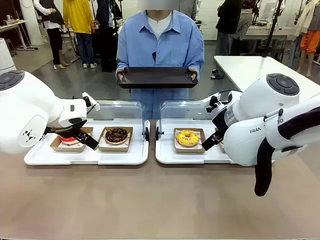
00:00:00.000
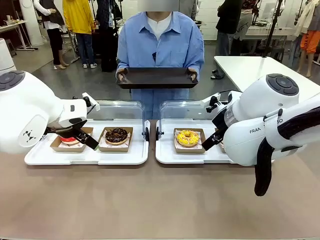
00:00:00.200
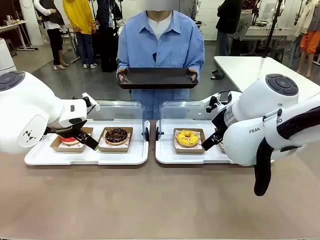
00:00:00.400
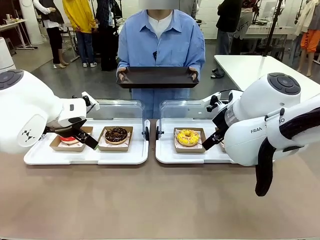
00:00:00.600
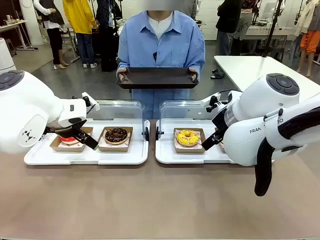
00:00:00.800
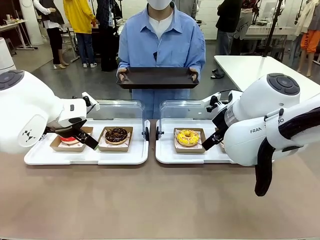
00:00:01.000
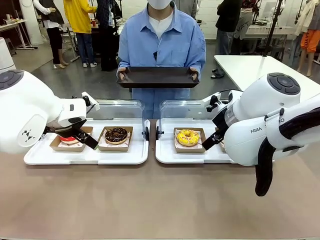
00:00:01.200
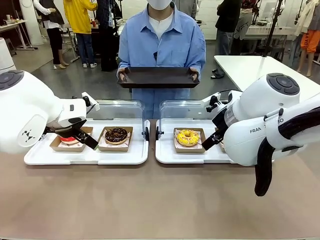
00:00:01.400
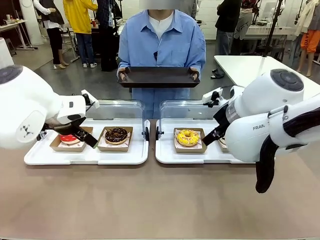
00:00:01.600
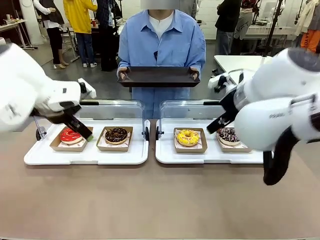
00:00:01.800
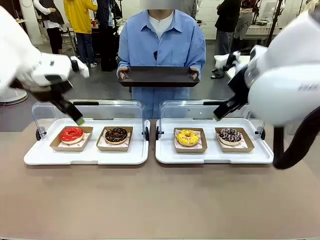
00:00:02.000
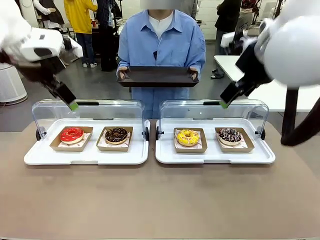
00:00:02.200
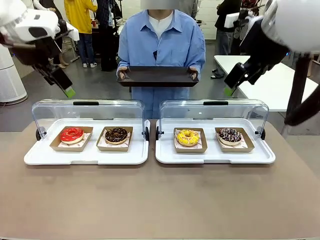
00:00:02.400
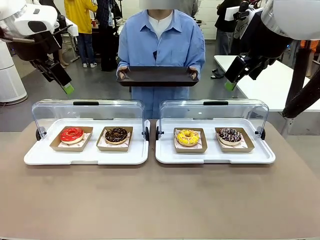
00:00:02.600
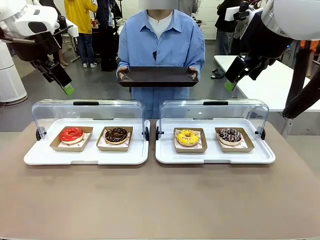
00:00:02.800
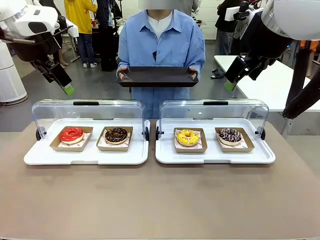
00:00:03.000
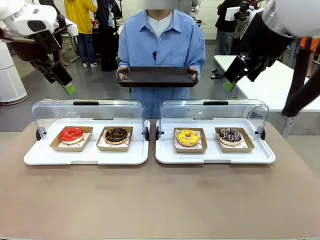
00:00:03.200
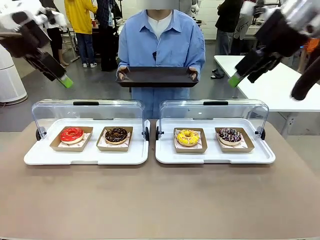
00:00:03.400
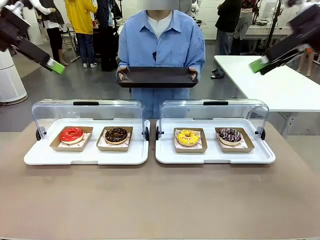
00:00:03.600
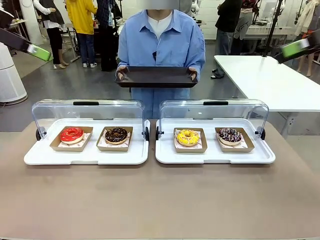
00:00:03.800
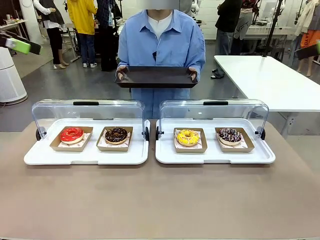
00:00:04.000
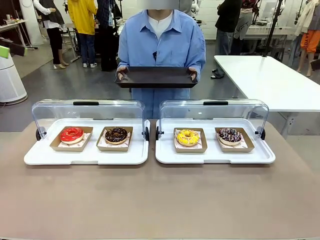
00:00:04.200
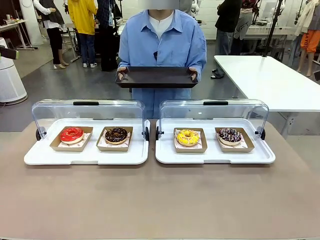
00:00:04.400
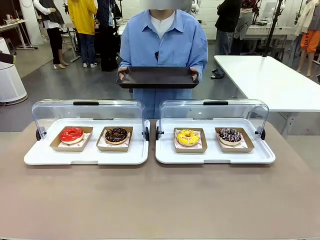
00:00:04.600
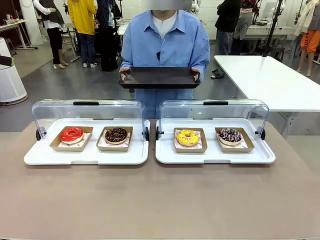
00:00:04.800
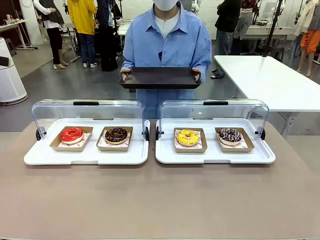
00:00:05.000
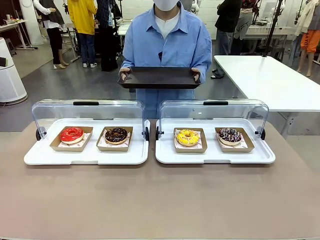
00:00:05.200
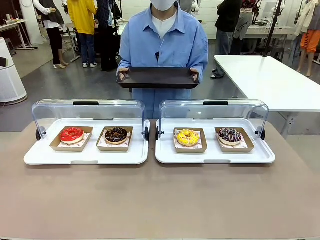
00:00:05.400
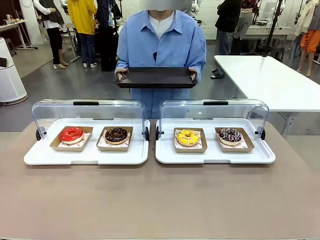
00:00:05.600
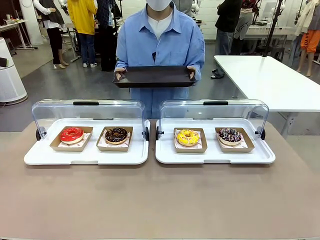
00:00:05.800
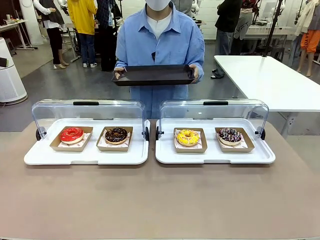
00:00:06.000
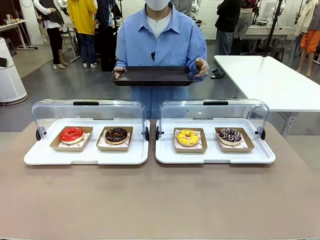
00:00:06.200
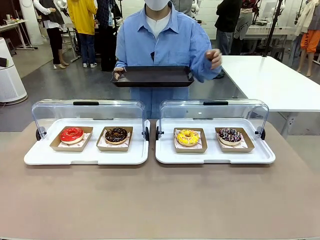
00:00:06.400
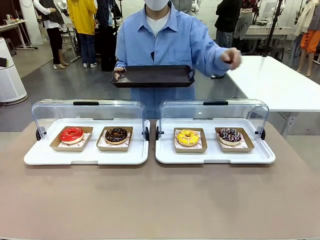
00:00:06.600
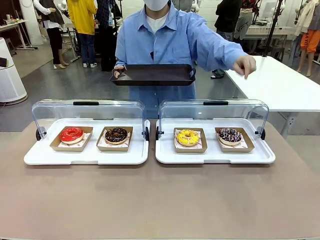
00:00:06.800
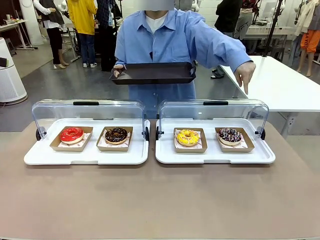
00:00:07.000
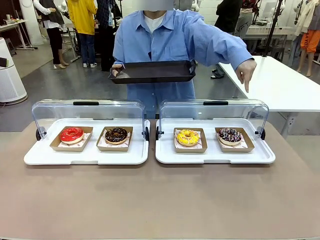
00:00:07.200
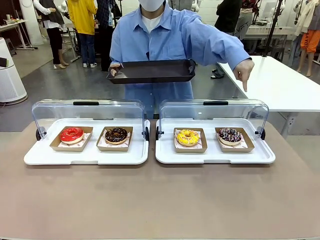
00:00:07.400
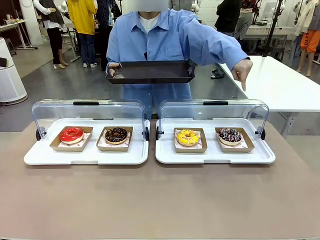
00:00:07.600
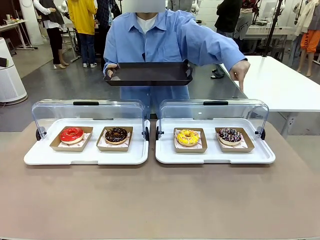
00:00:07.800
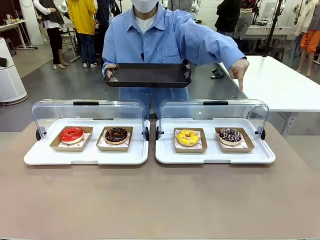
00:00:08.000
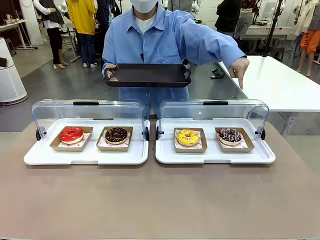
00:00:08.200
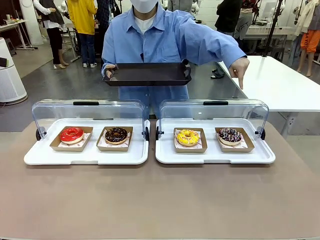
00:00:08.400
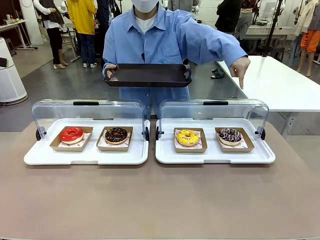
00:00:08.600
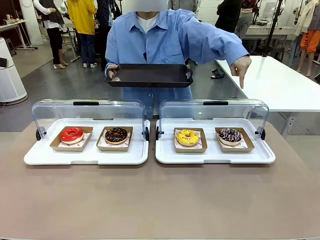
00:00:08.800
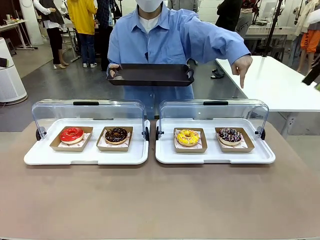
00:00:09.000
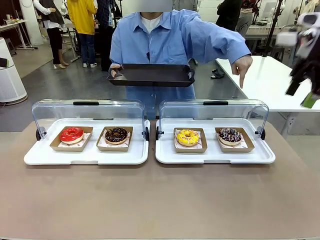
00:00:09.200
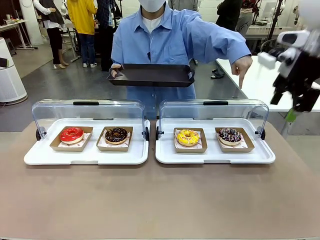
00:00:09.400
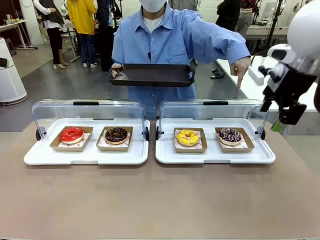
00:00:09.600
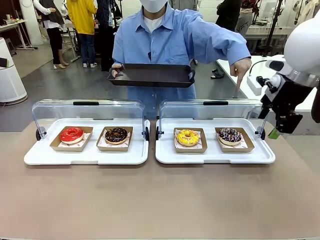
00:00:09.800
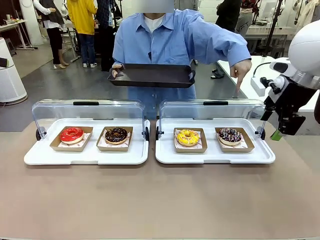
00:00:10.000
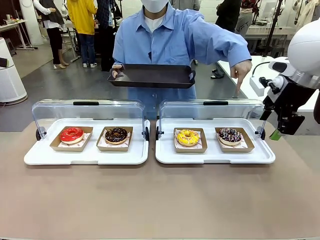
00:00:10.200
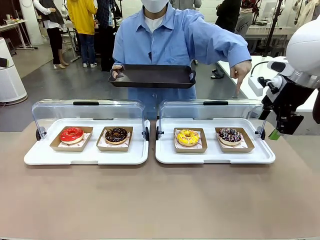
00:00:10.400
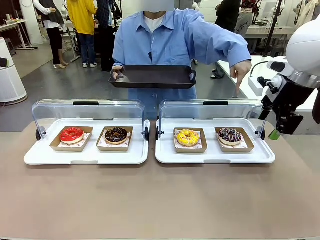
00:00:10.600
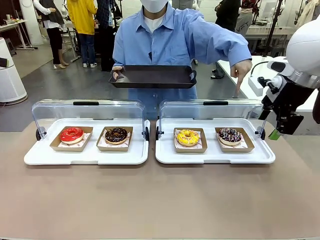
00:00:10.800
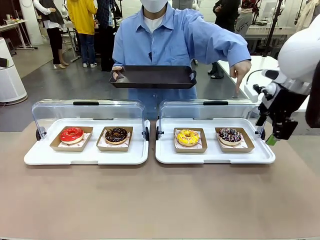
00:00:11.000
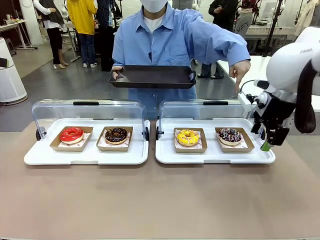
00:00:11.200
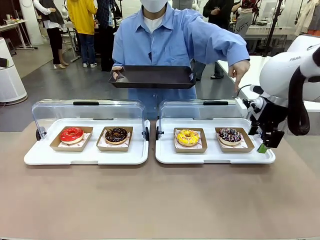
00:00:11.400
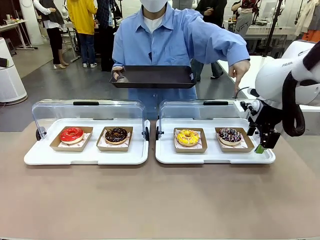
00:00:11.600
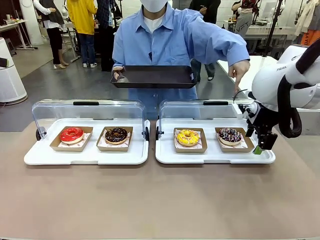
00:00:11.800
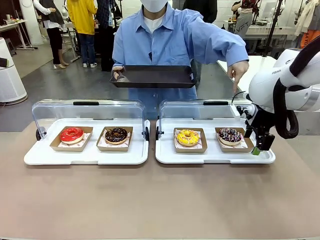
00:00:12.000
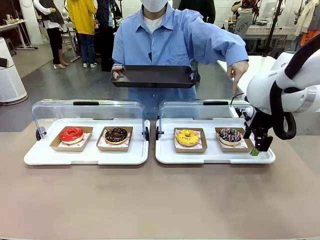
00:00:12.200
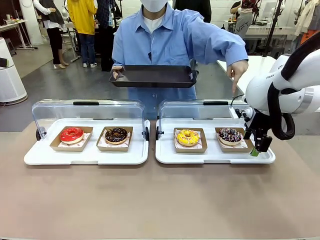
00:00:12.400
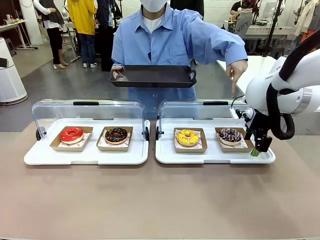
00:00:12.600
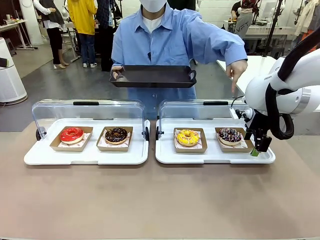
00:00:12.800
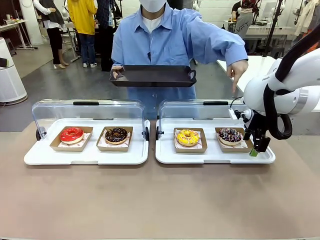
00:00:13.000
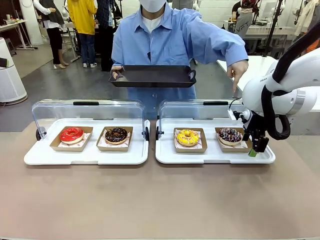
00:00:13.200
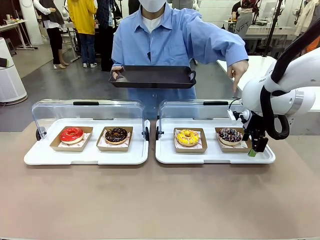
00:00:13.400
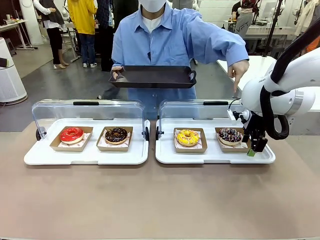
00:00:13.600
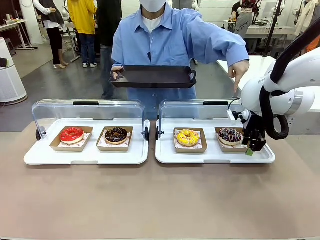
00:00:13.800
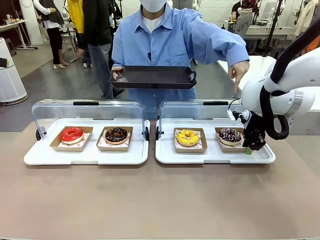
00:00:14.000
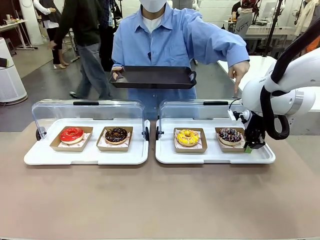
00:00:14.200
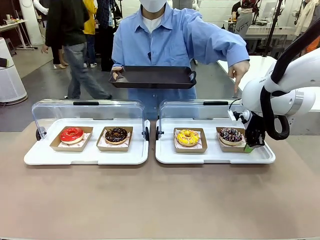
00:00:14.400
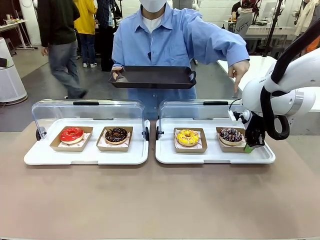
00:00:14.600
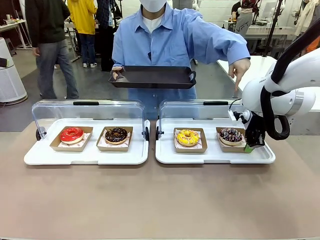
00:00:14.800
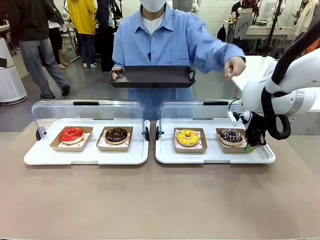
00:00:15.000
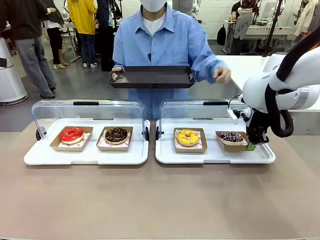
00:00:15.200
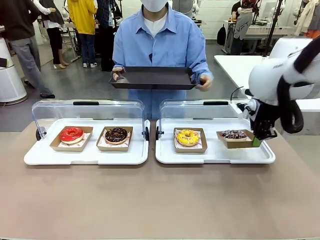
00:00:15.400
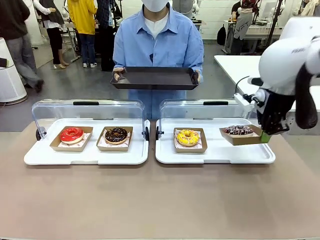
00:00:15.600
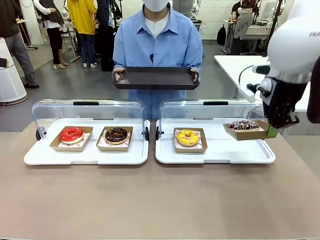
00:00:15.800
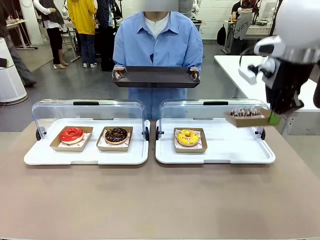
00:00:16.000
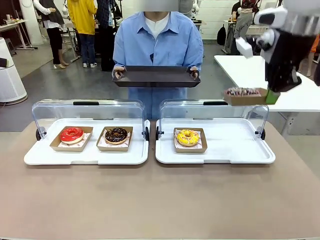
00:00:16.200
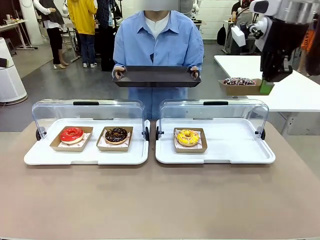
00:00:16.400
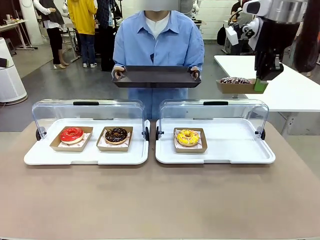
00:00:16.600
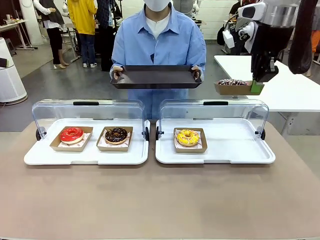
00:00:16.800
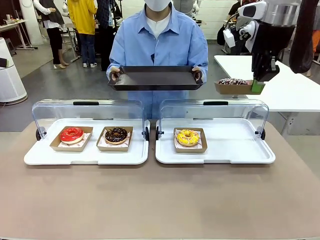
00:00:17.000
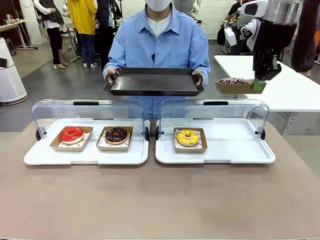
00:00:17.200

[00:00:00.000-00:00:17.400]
Task: Provide the desired donut to the person.
Robot: Pick up and lift the Paper togo box containing the Donut pointed at by the person.
Person: Point to one donut. Lift the tray onto the Roll-Top Bakery Case.

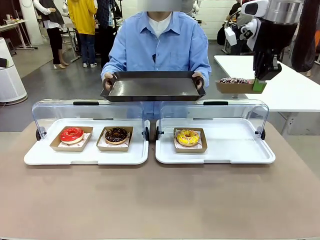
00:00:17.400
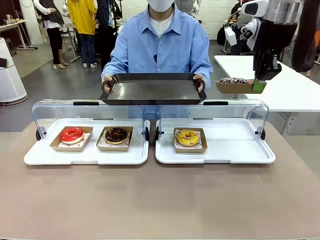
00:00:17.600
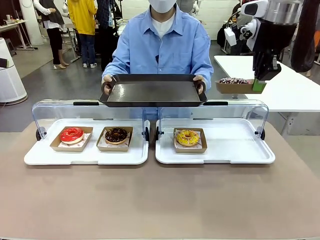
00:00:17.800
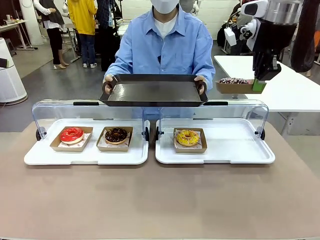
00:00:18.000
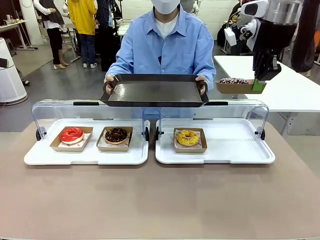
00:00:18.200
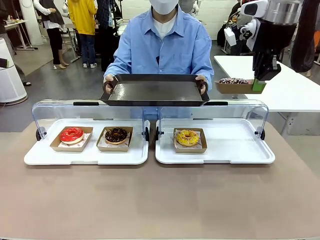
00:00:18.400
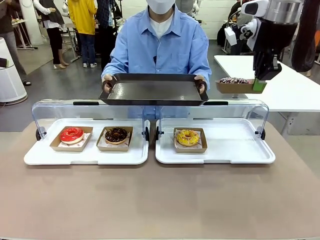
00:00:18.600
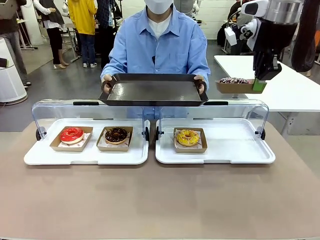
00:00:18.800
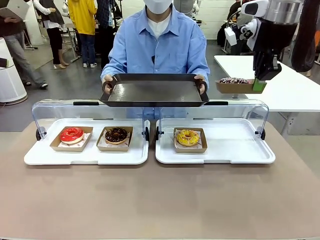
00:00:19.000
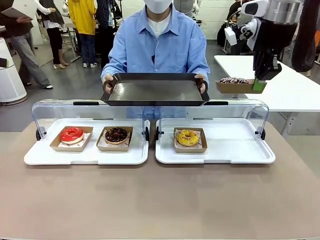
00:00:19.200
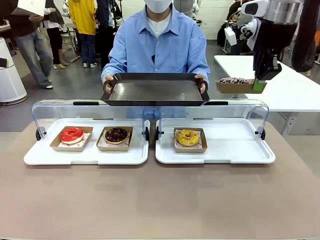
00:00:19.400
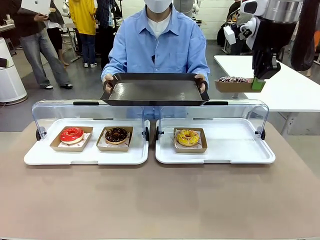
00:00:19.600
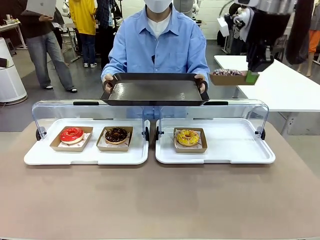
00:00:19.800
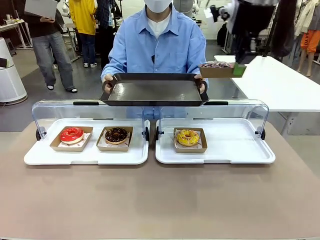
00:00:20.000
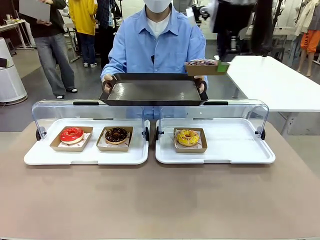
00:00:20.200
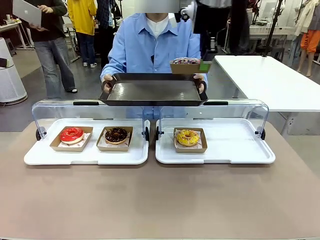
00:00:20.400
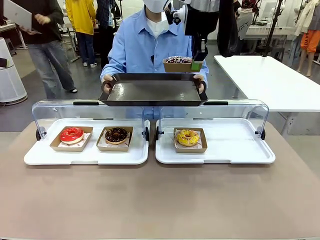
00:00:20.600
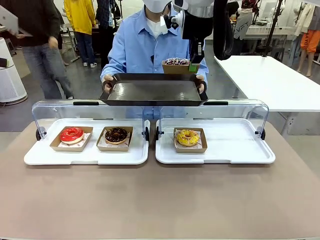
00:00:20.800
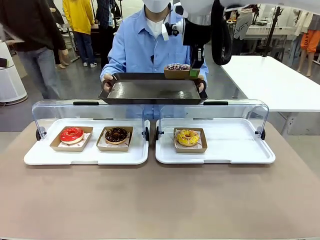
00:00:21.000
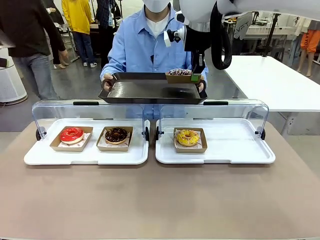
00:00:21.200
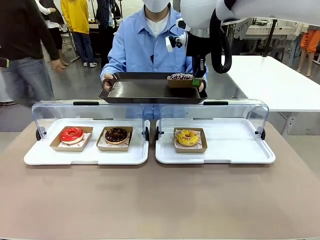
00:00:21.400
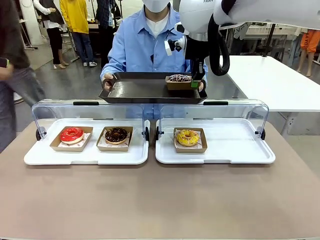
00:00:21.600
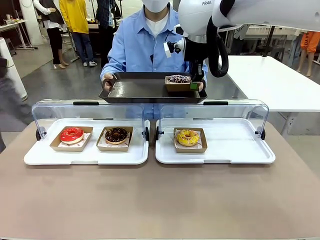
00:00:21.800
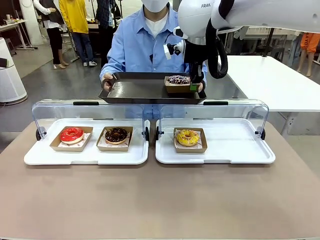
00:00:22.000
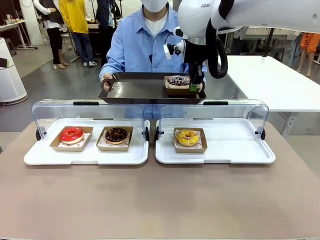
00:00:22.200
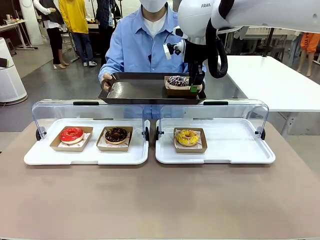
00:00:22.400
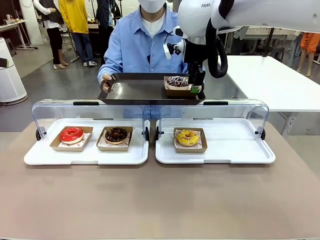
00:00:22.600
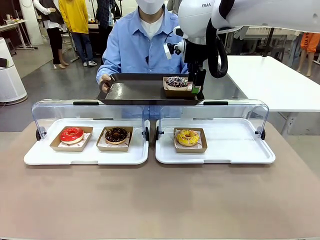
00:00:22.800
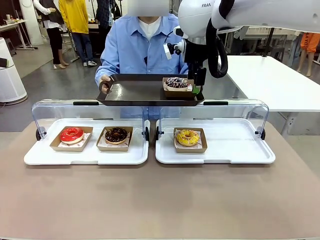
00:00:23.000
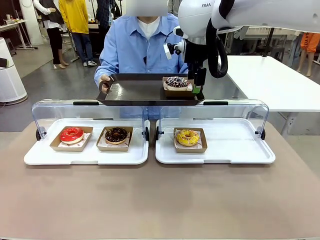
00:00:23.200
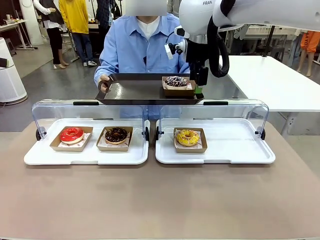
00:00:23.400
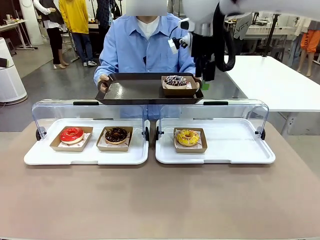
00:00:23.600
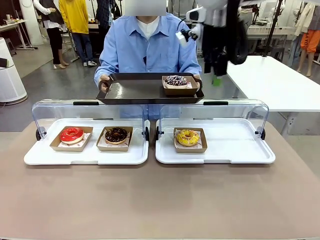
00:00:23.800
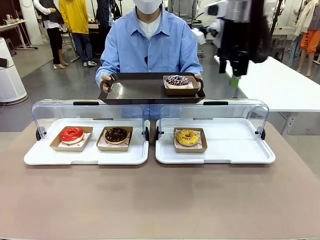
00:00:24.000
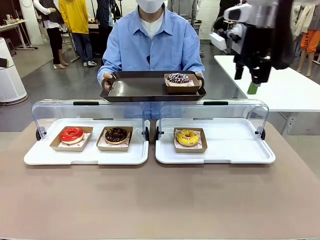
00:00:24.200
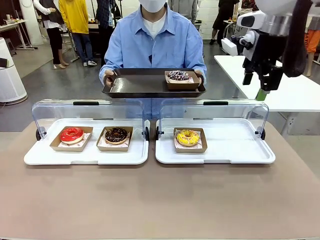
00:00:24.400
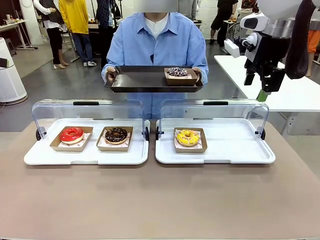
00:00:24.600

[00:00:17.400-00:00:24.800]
Robot: Place the picked Paper togo box onto the Handle tray extended by the person.
